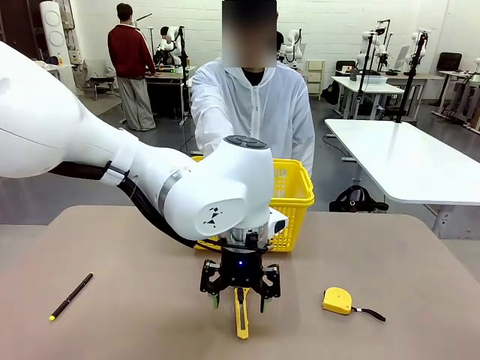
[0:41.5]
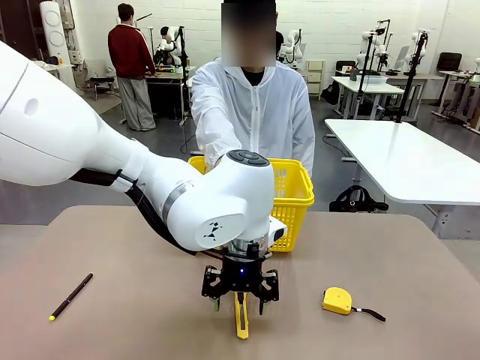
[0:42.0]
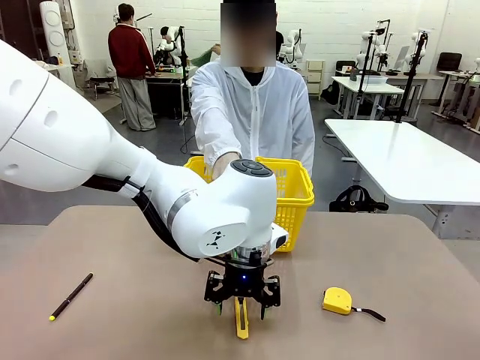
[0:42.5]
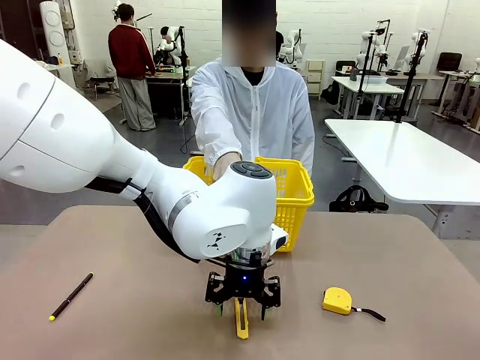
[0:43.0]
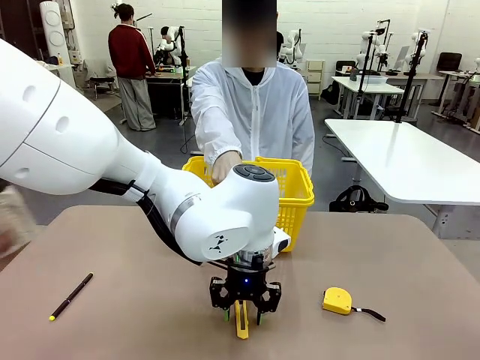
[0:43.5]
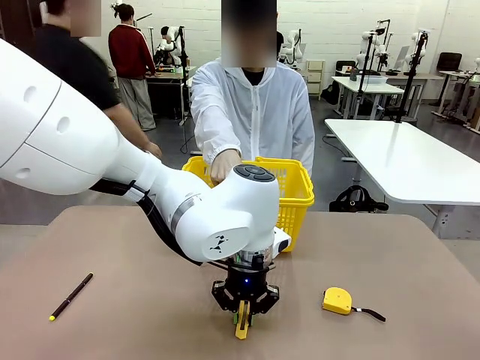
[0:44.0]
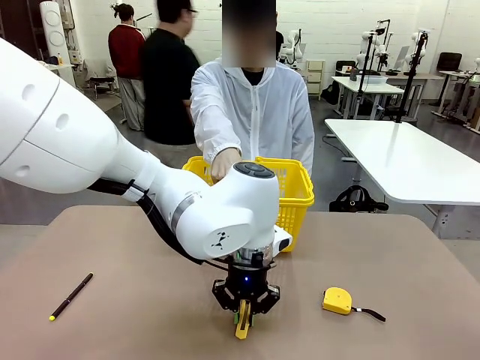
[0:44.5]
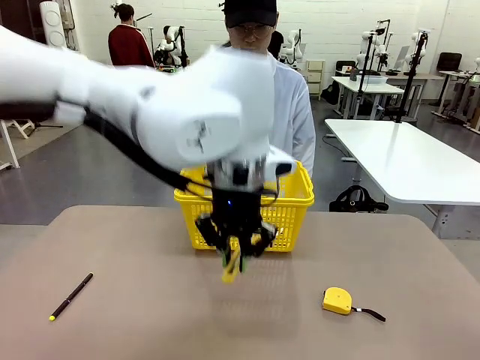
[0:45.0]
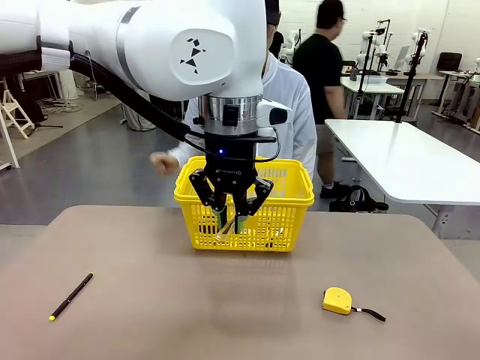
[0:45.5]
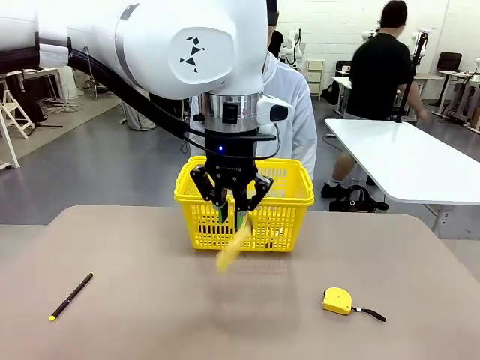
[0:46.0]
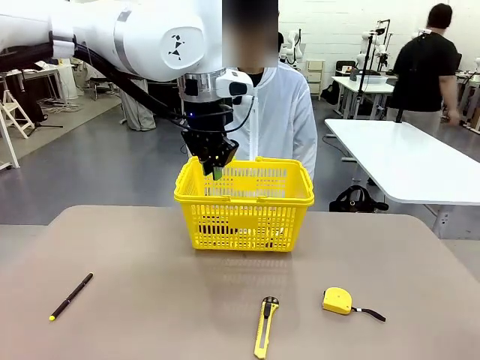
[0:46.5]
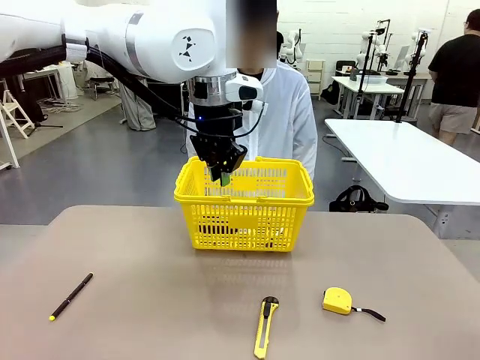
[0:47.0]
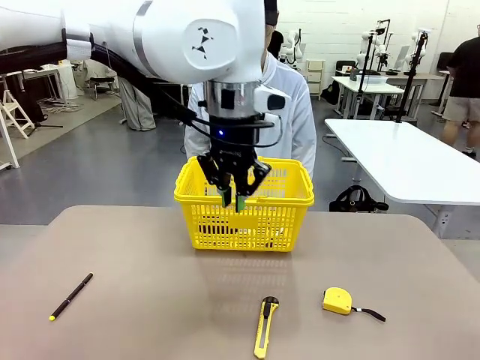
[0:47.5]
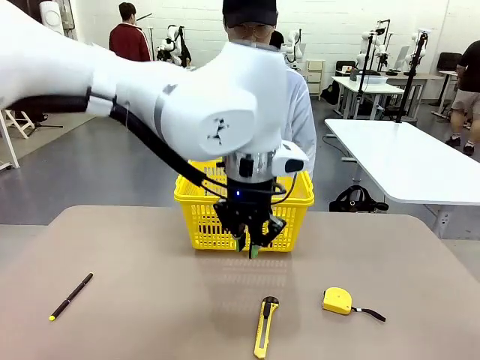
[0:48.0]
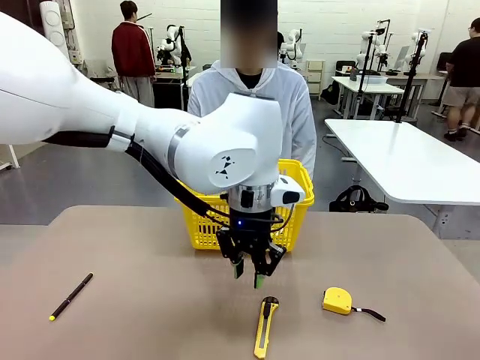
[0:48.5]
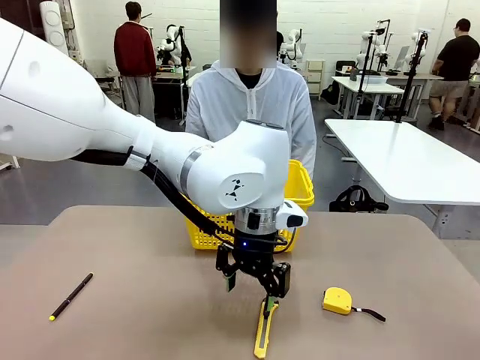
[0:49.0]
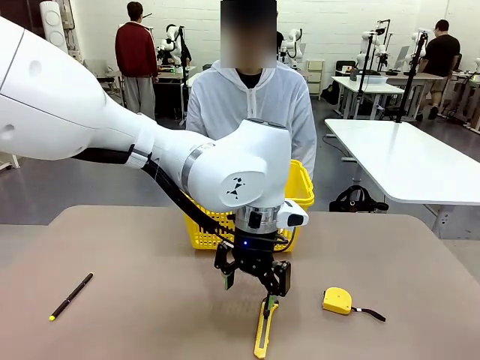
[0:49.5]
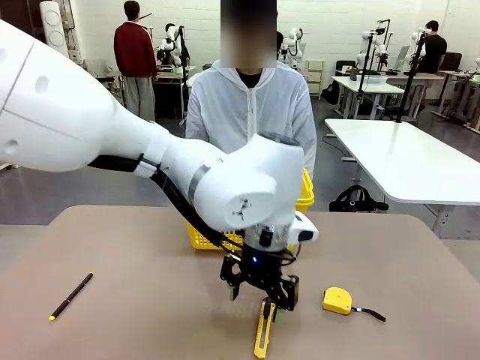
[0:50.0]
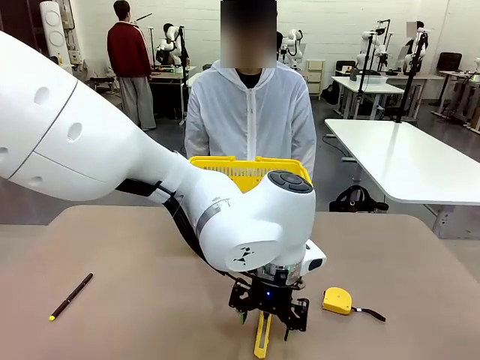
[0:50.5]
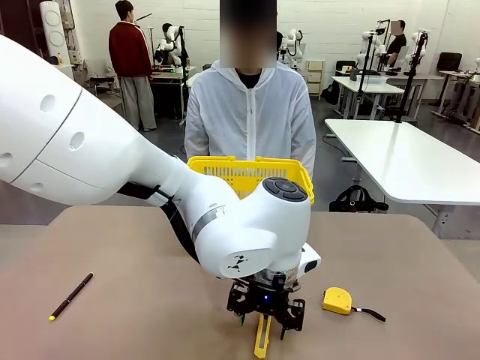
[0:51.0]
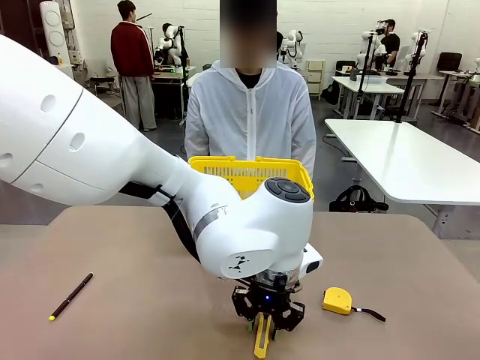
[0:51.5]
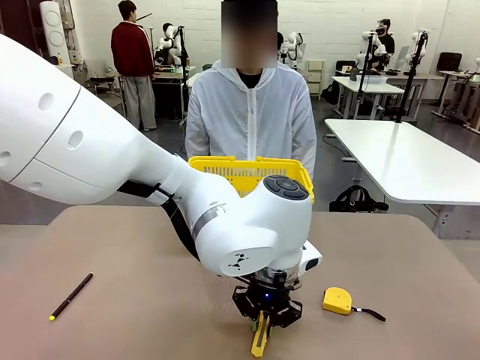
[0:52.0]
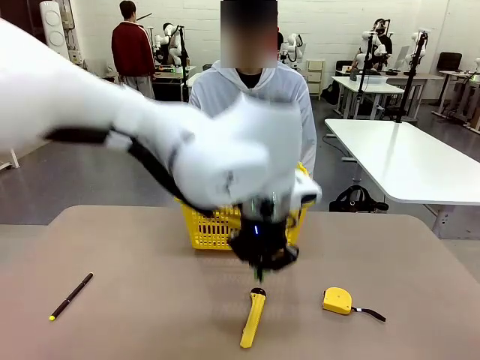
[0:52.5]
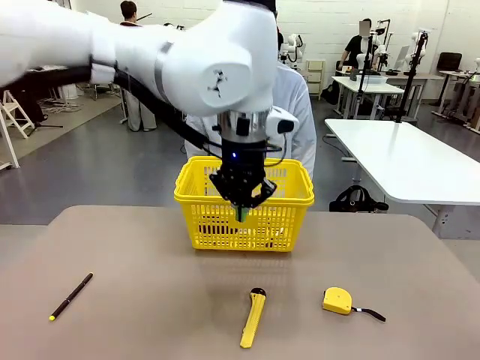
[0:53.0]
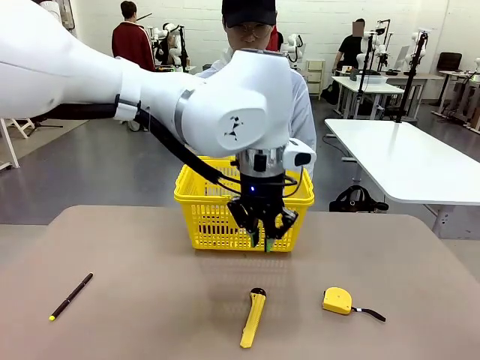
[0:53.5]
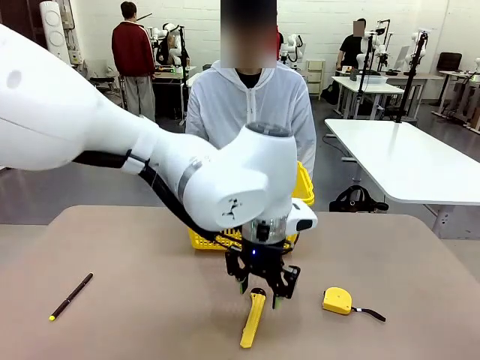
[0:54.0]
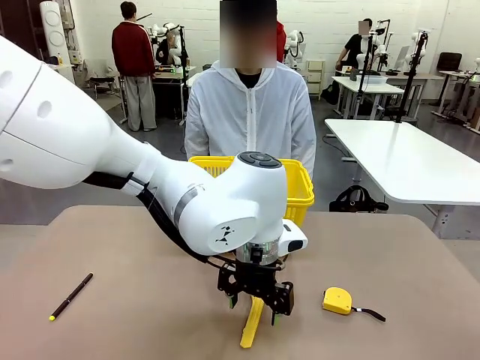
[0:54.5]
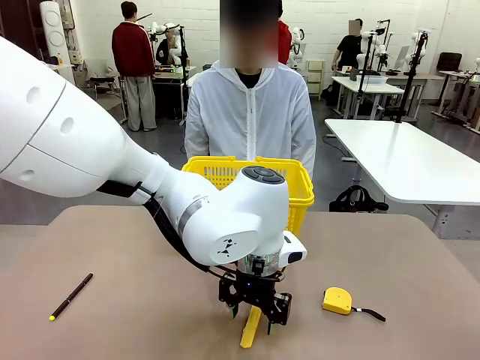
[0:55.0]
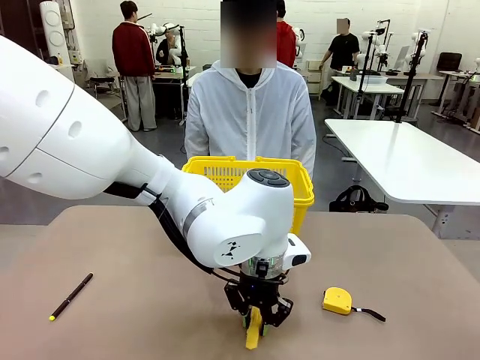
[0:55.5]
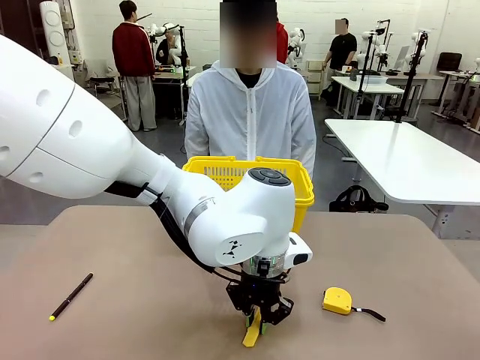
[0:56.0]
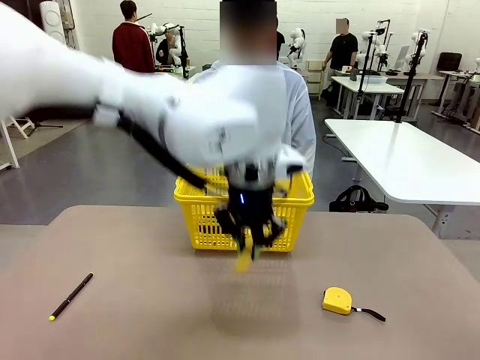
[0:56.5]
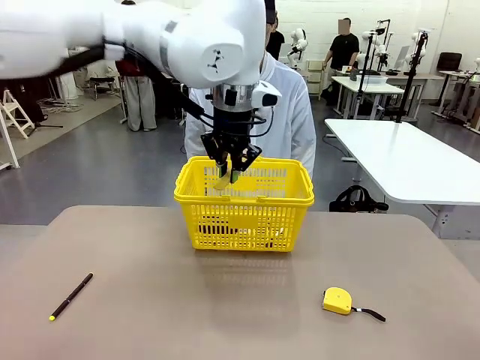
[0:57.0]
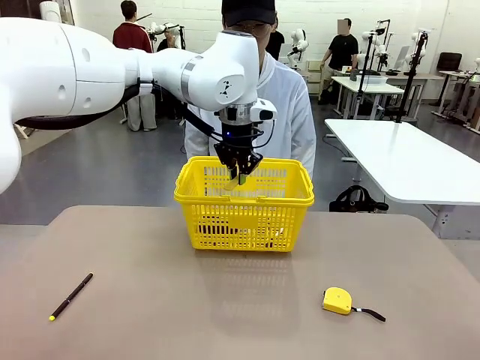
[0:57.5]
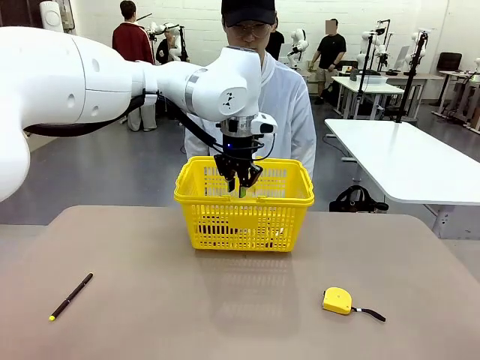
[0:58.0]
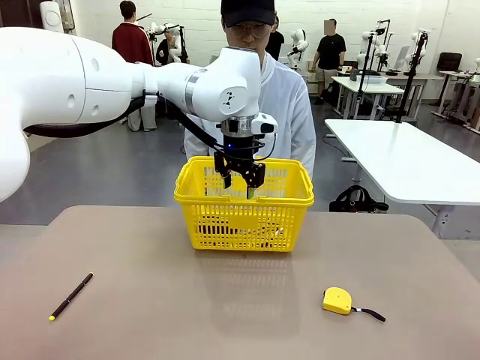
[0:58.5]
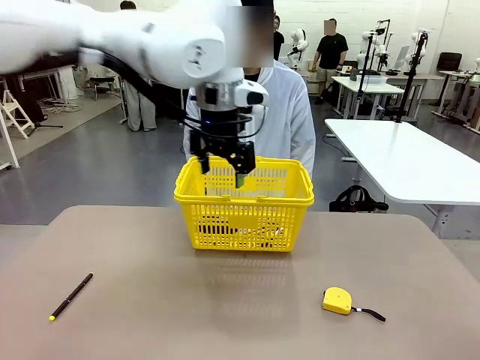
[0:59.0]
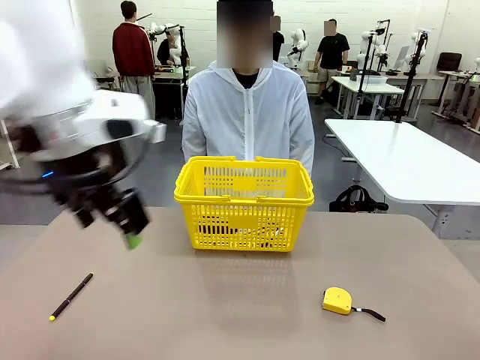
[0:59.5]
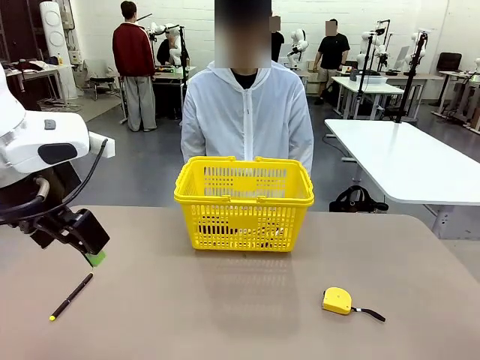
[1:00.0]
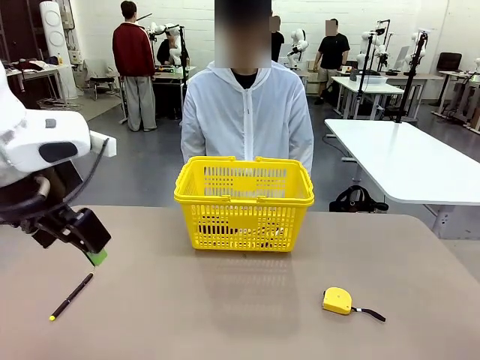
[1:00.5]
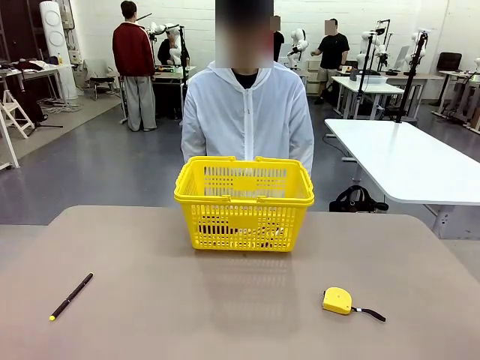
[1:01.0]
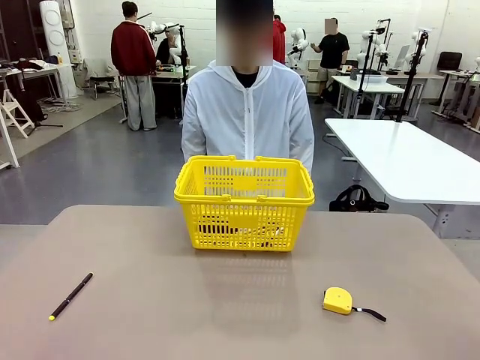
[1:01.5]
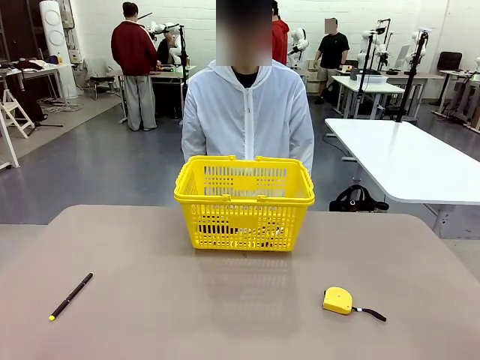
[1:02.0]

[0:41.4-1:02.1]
Task: Place the items the person wants into the basket.
Robot: Pick up the item the person points to and place it in the Market Basket.

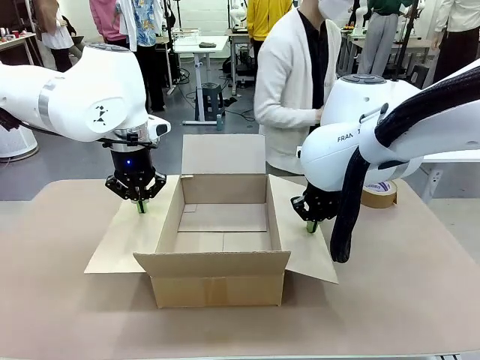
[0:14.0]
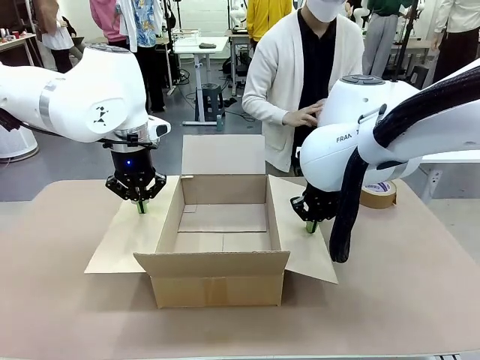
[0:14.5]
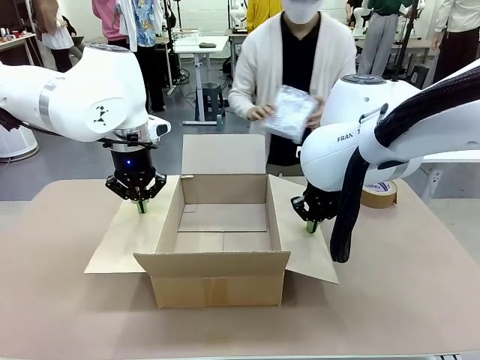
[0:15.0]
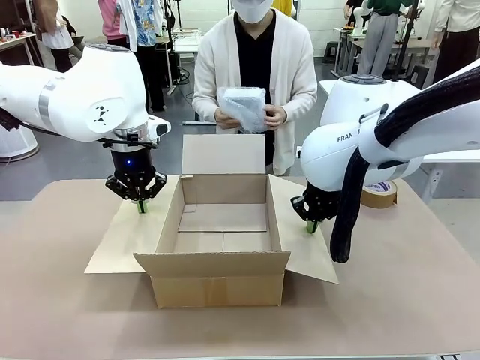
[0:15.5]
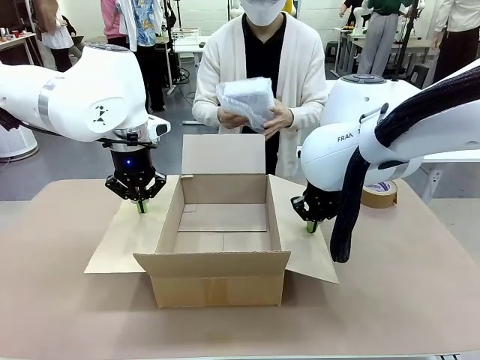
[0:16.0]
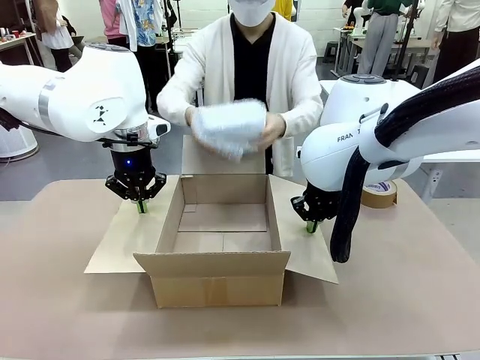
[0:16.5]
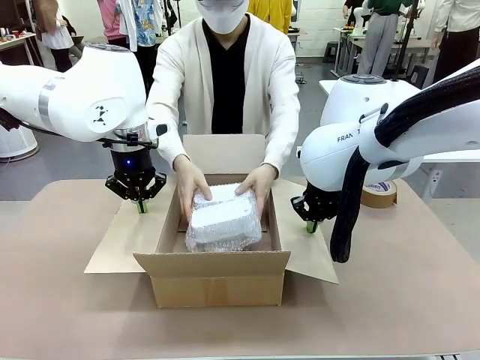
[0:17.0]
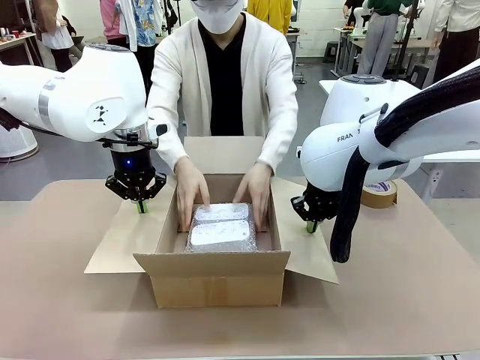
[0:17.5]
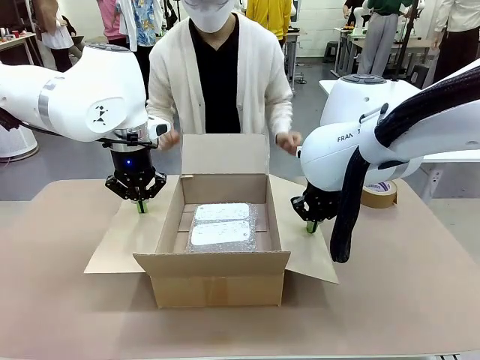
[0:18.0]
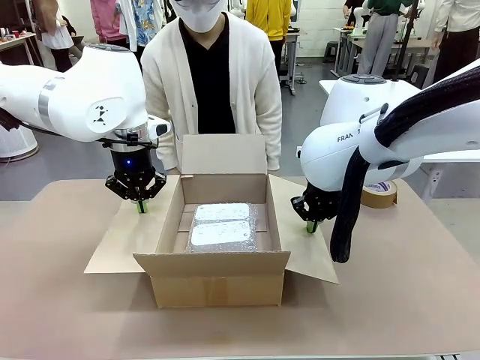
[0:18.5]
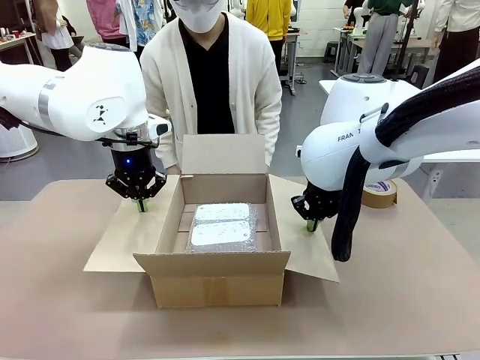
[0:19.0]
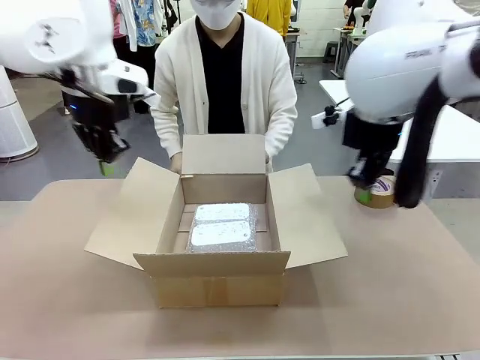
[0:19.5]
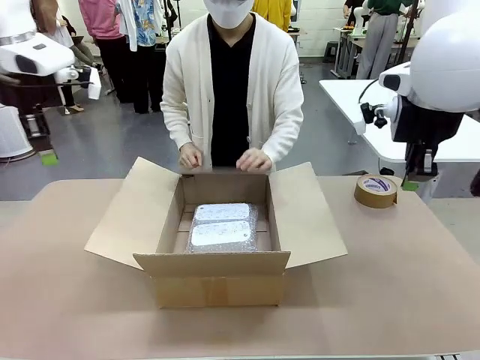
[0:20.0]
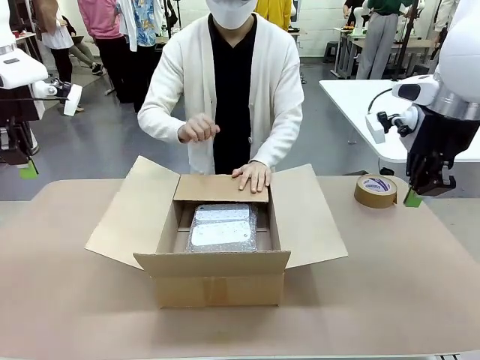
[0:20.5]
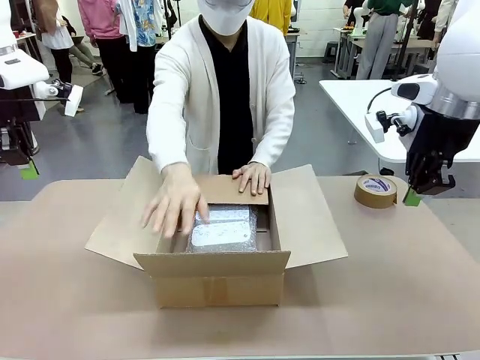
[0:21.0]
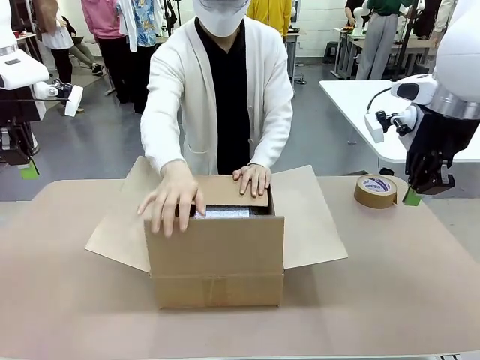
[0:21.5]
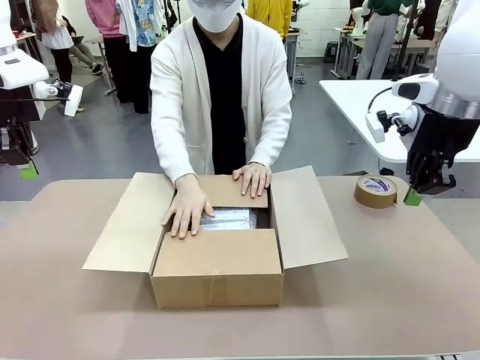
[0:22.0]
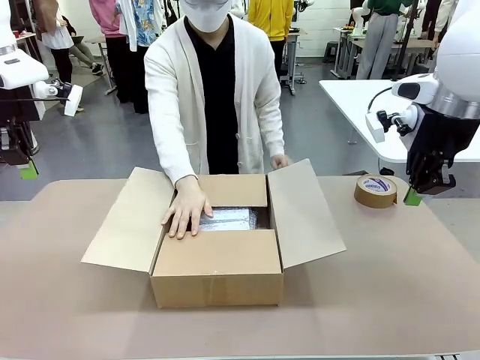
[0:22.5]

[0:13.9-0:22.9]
Task: Wrap the clocks to prevent damage.
Robot: Once the human has placed the objects inside and stepped back, release both hands from the side flaps of the Package Box.
Person: Place the wrapped Digital clocks inside the Package Box. Hold the top and bottom flaps of the Package Box closed with your left (or right) hand.
